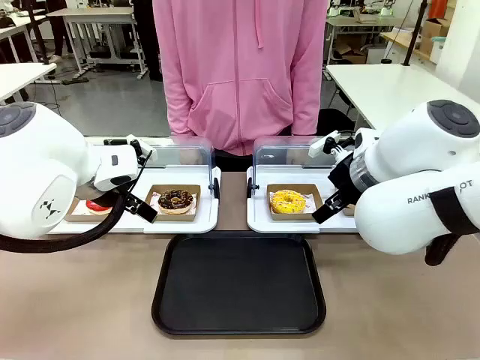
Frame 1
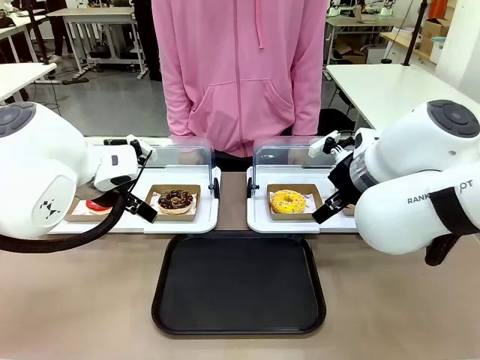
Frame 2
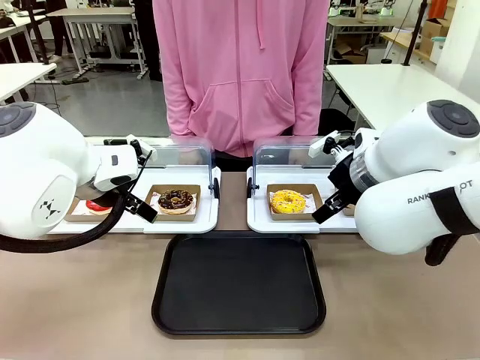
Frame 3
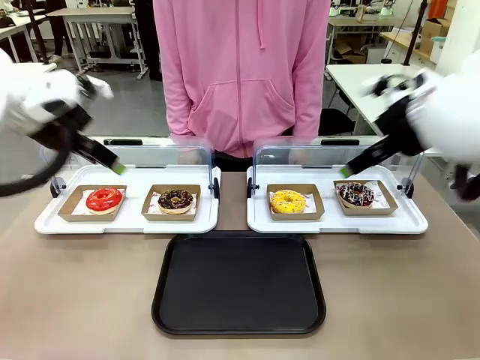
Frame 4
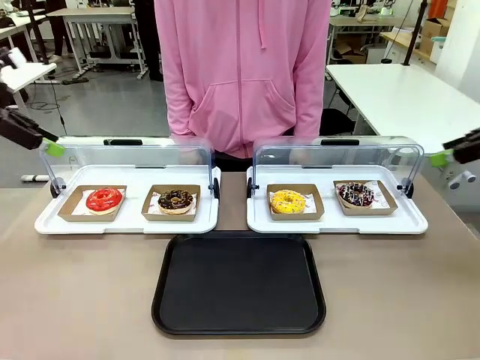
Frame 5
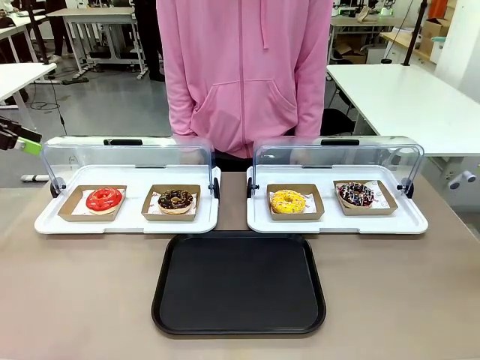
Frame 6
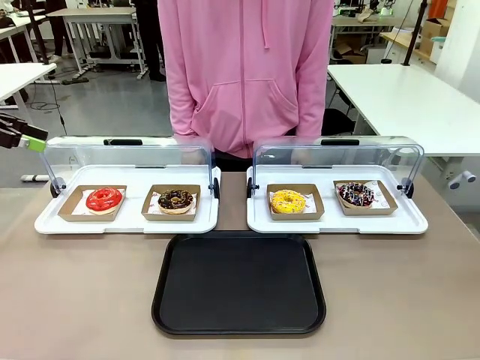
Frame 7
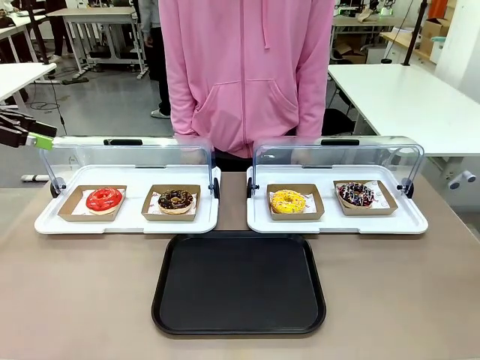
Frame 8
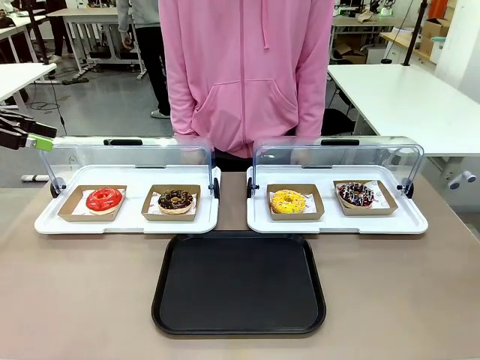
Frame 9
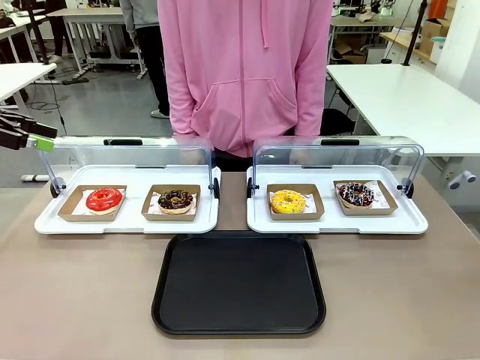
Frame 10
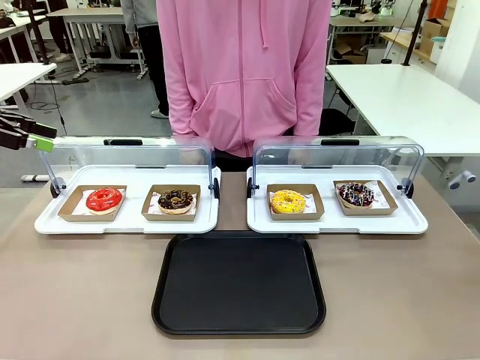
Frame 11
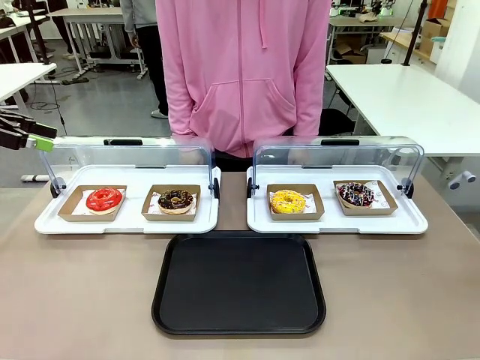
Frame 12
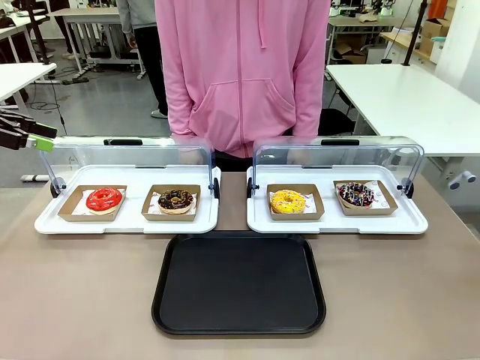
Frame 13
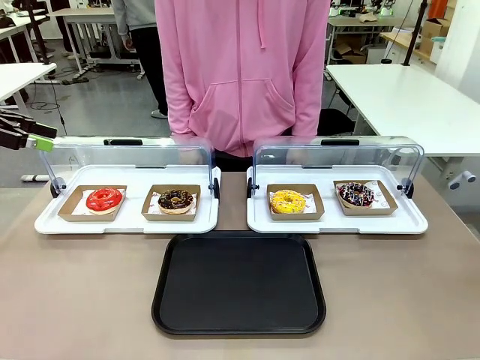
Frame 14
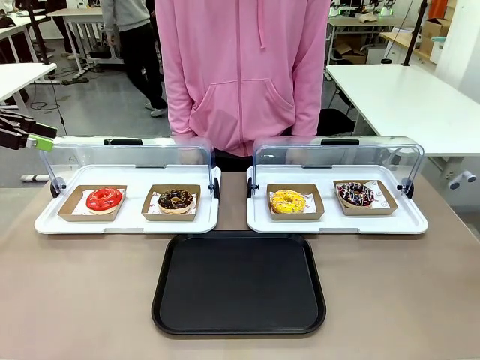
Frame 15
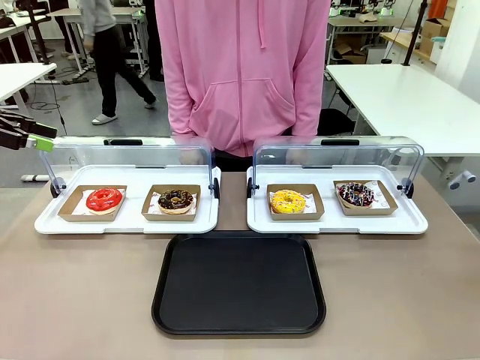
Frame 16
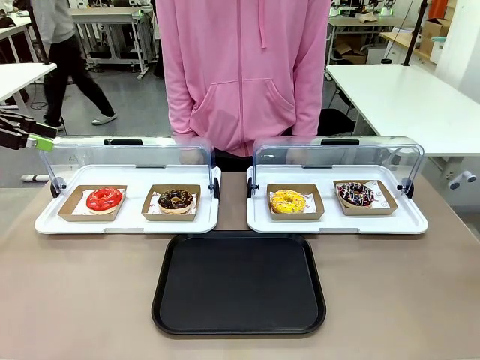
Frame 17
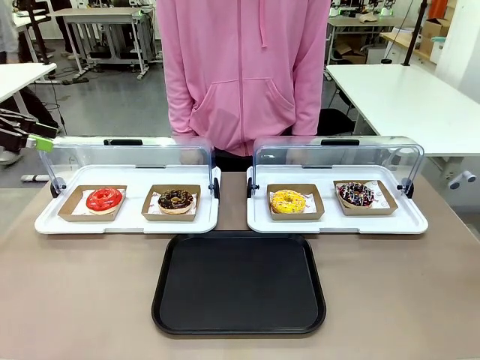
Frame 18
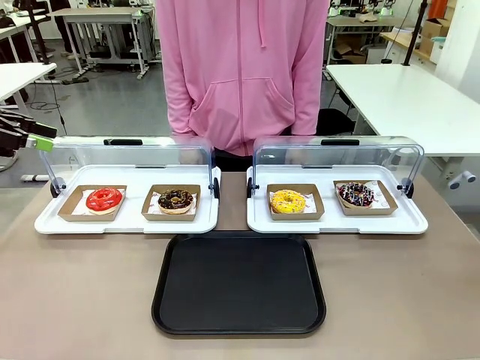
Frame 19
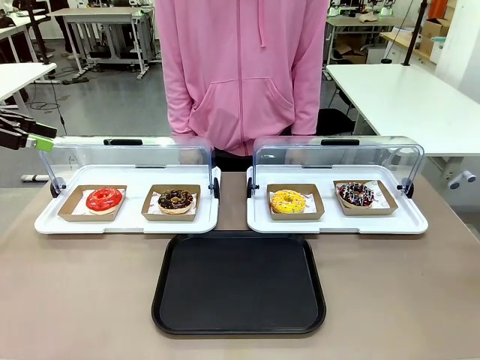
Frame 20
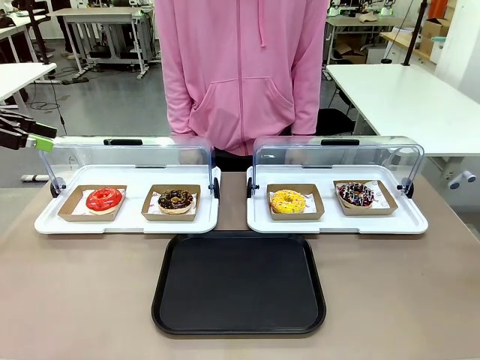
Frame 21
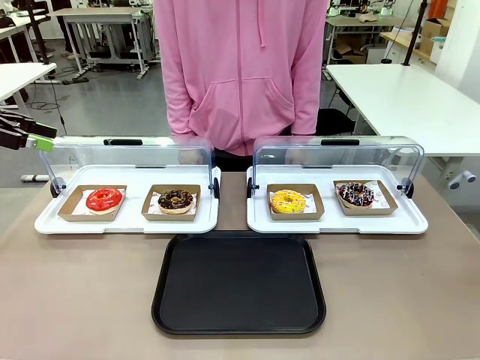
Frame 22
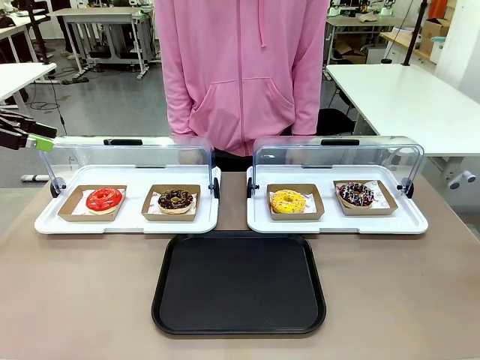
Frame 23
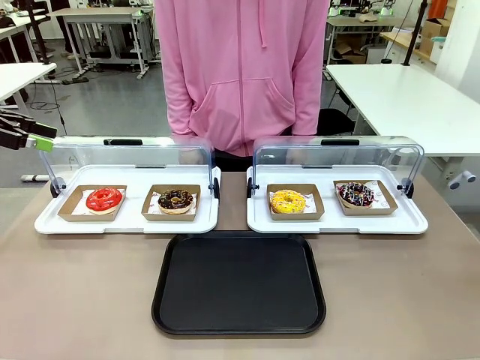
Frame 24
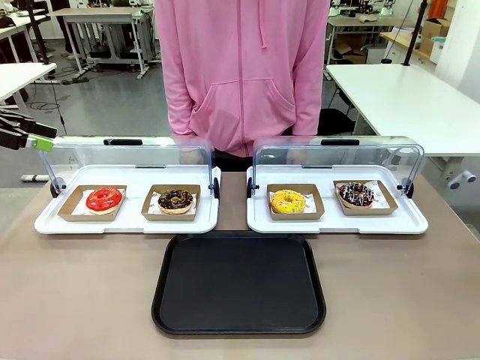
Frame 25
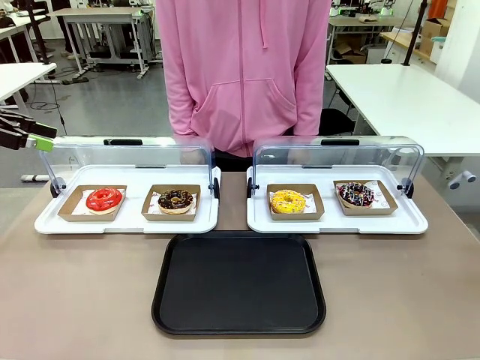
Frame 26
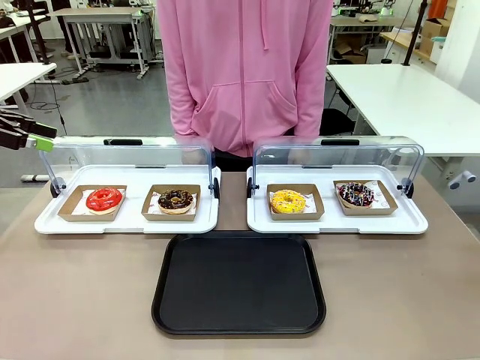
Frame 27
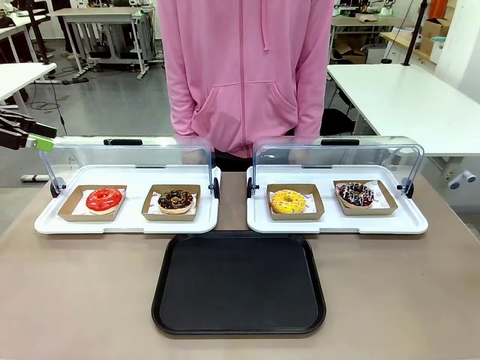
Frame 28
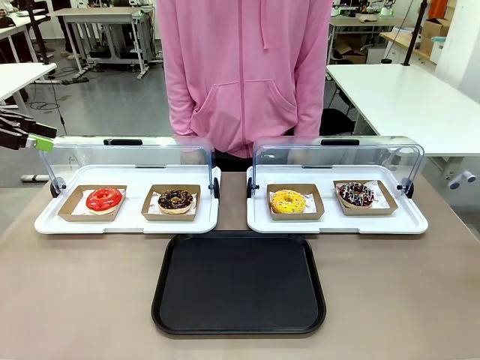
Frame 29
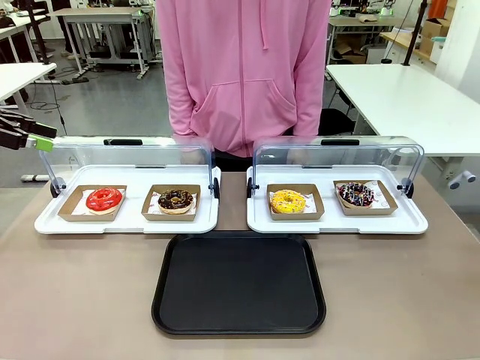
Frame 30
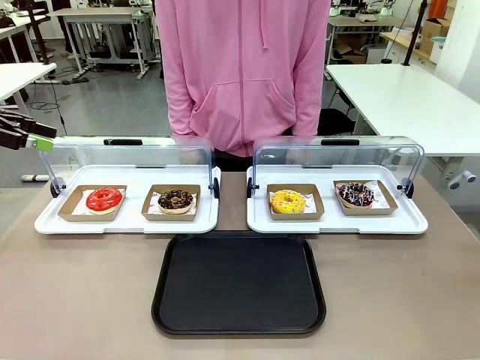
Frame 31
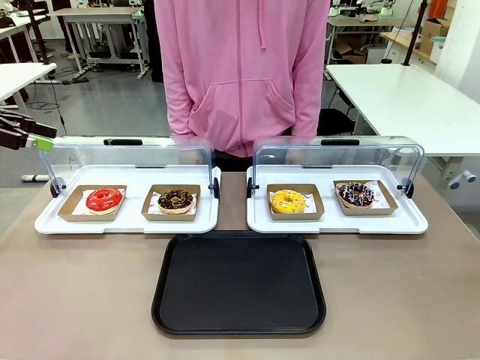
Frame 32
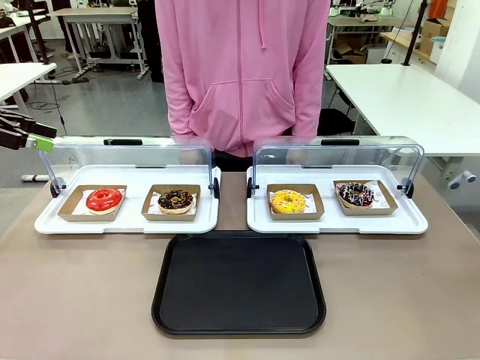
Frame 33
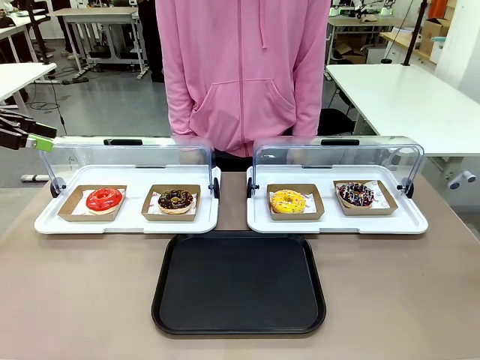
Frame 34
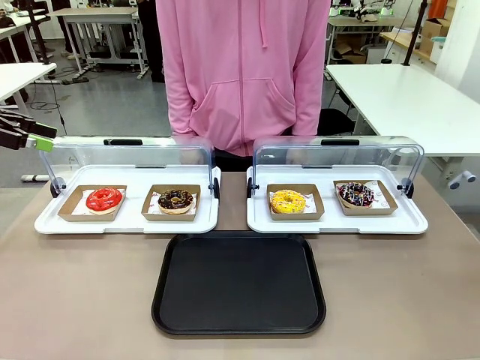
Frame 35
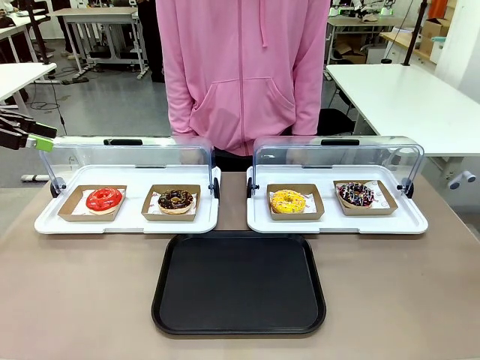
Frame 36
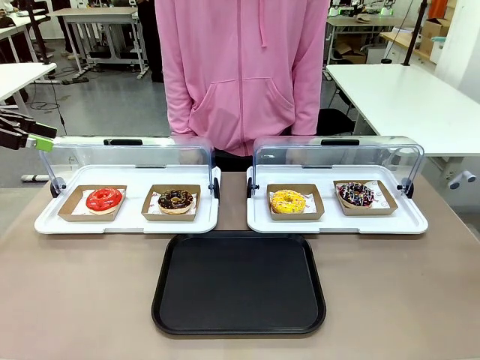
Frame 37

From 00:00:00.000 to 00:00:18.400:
Task: Move the fourth donut from the left to the tray.
Robot: Pick up the Paper togo box containing the Donut indicated by the person and place it on the Handle tray.

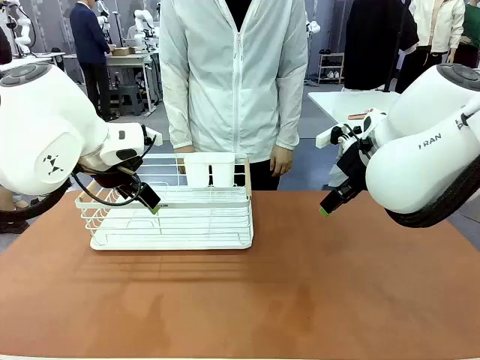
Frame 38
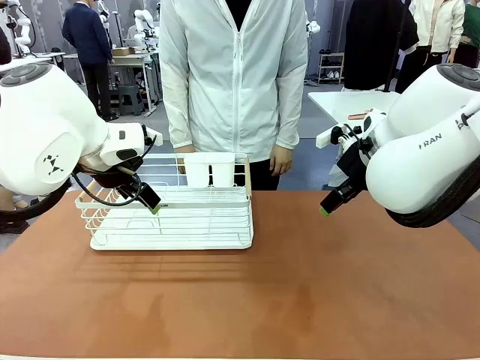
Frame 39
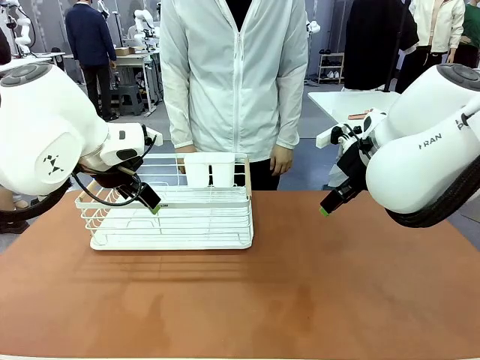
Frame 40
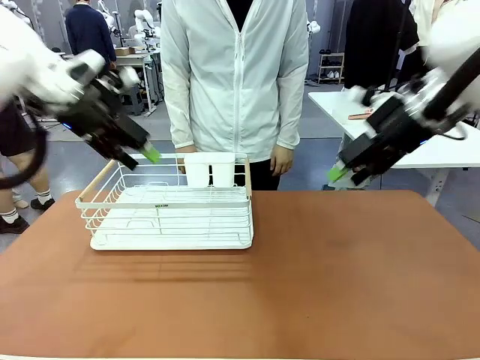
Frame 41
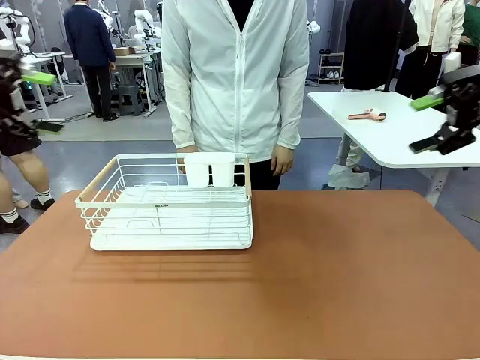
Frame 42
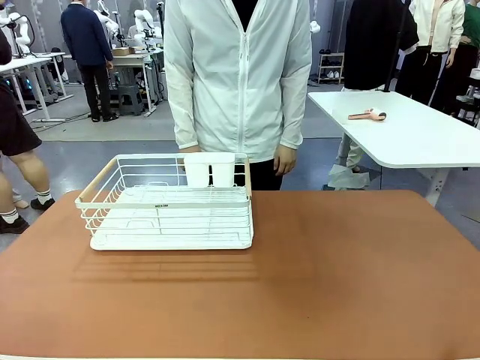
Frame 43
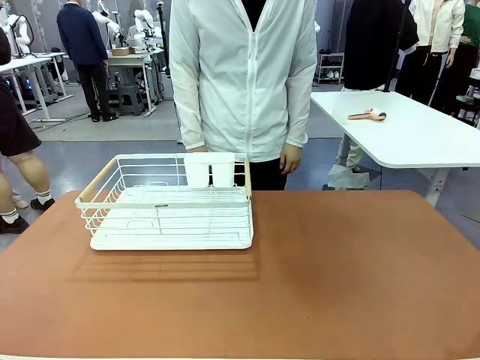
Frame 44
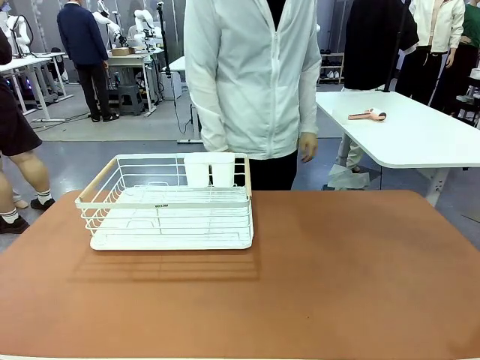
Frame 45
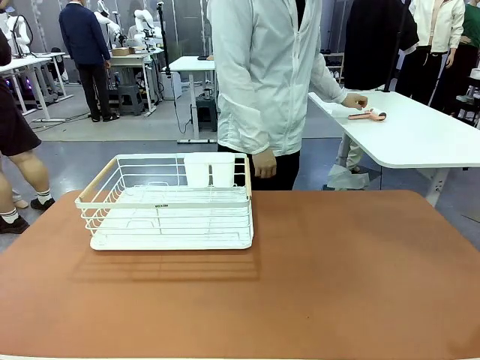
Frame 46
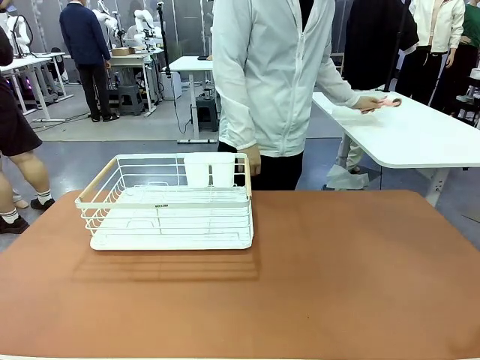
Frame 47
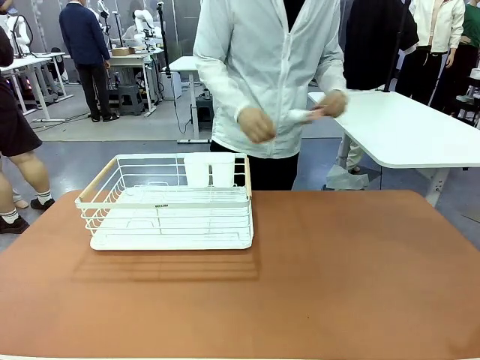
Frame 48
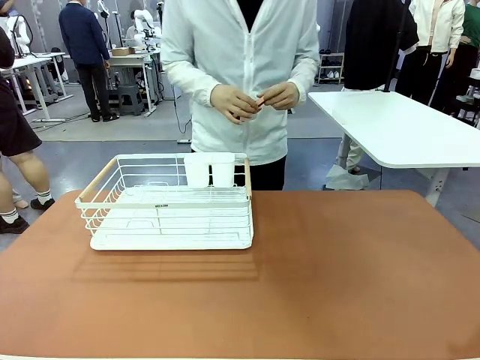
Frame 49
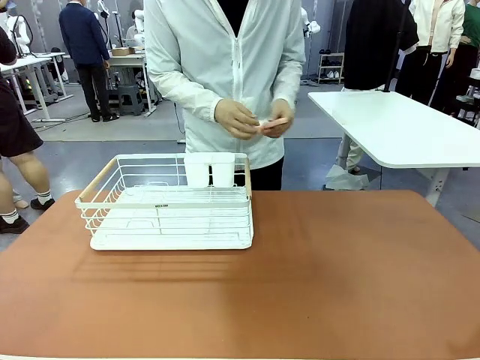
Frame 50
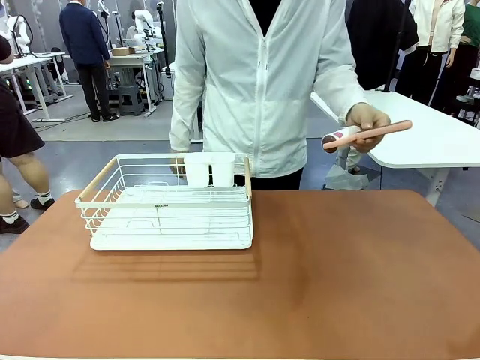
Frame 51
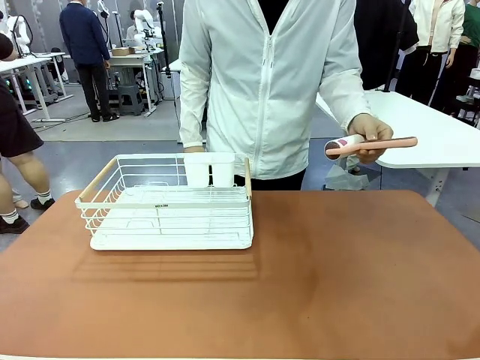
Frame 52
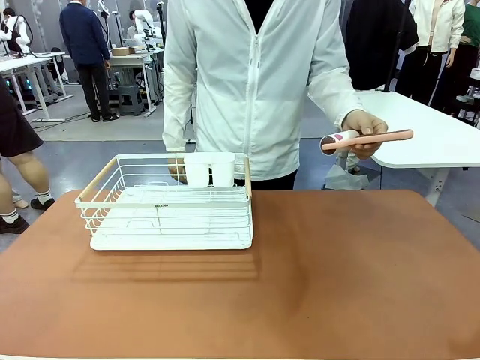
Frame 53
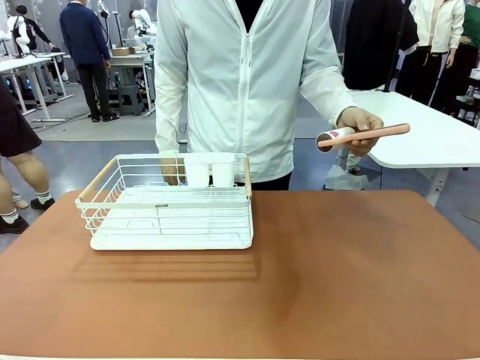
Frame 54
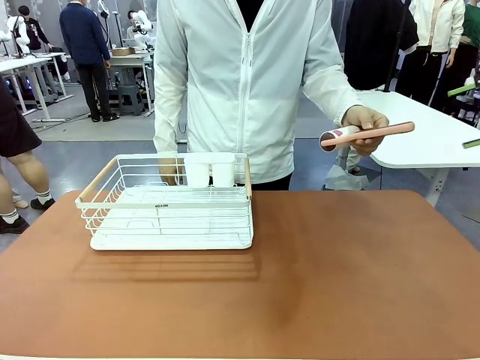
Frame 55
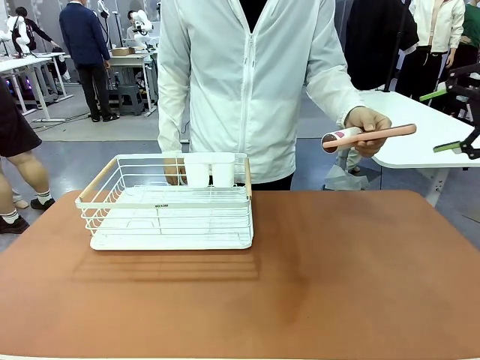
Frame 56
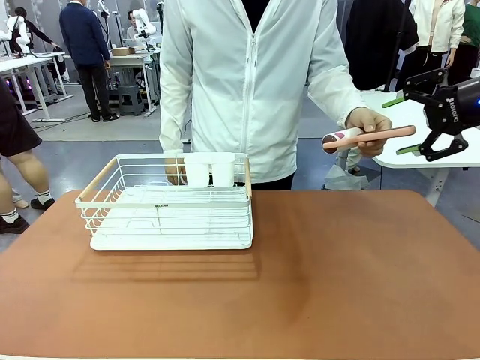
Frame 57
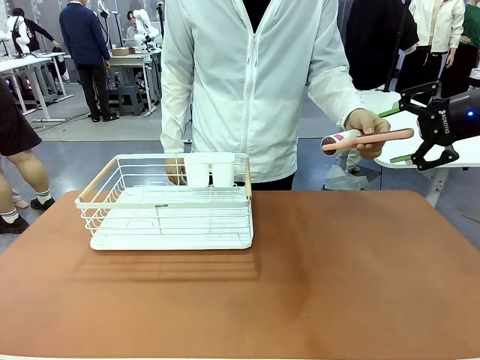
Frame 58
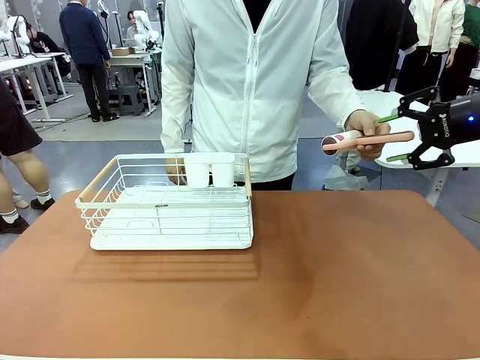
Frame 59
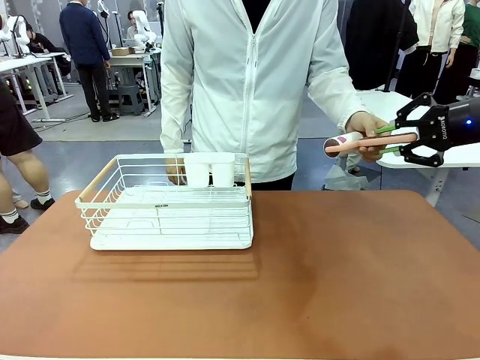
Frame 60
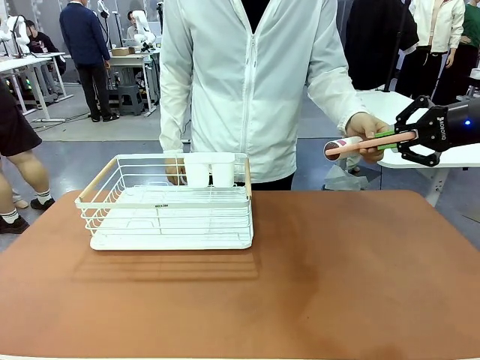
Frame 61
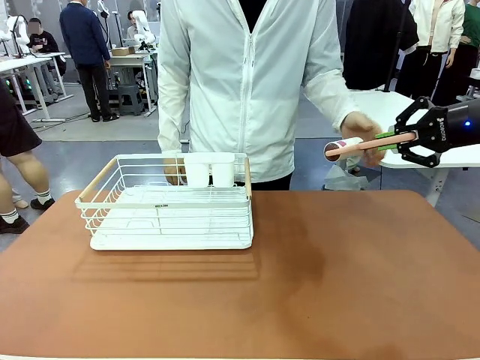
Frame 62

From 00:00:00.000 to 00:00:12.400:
Task: Clean the table.
Robot: Pick up the Lint Roller when the human hands it over.
Person: Hand the Lint Roller to the robot so it can easily pick it up. Lift the Dish drying rack.
